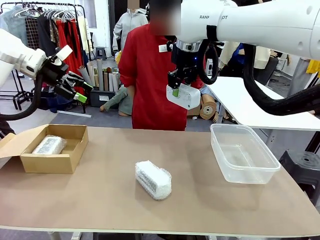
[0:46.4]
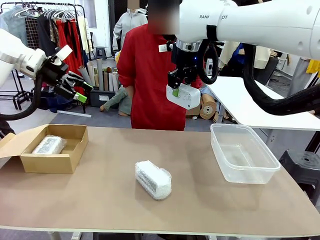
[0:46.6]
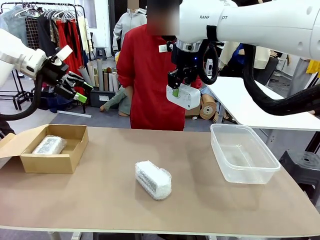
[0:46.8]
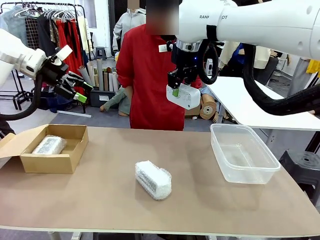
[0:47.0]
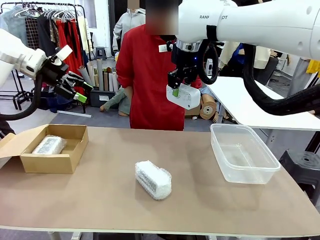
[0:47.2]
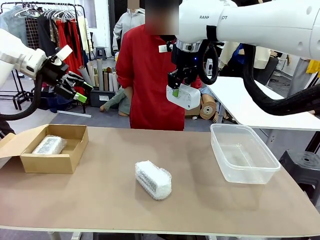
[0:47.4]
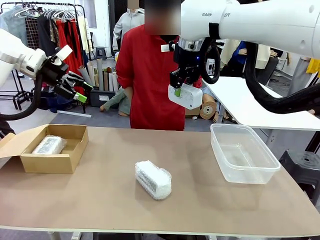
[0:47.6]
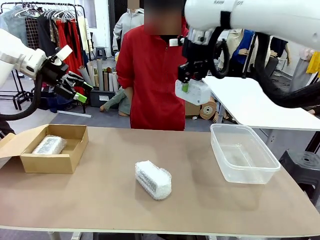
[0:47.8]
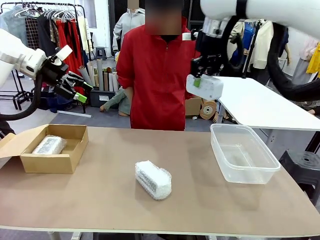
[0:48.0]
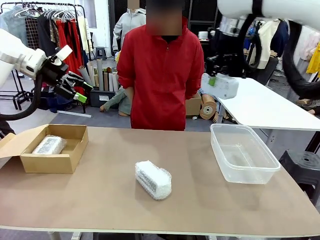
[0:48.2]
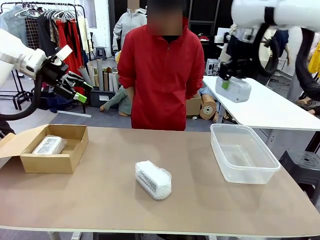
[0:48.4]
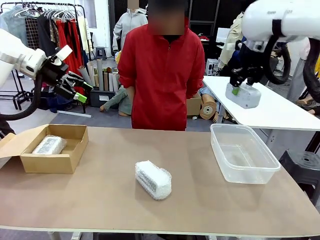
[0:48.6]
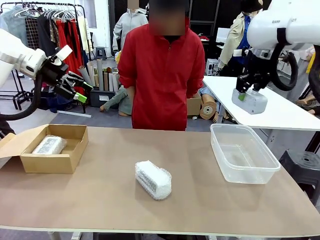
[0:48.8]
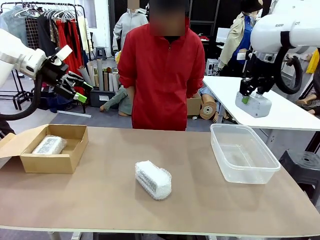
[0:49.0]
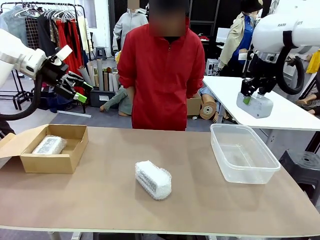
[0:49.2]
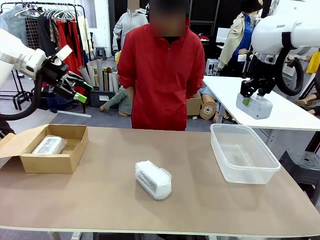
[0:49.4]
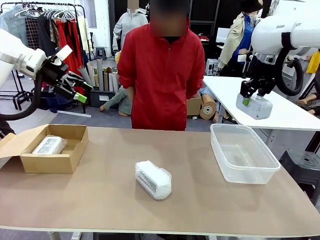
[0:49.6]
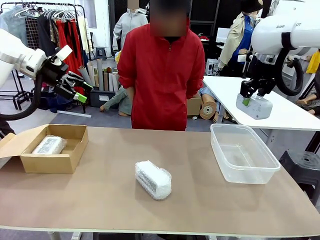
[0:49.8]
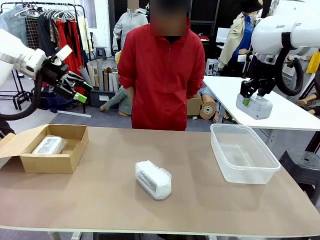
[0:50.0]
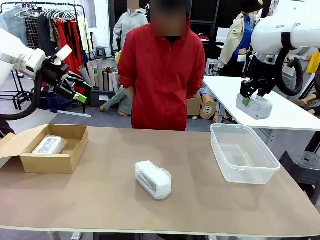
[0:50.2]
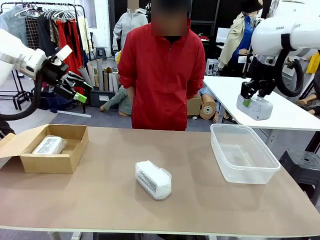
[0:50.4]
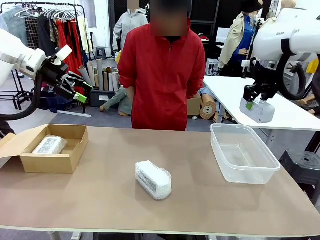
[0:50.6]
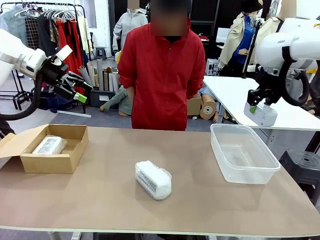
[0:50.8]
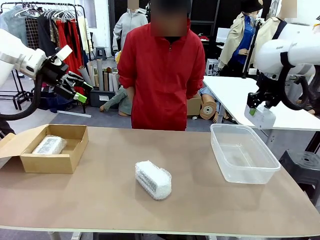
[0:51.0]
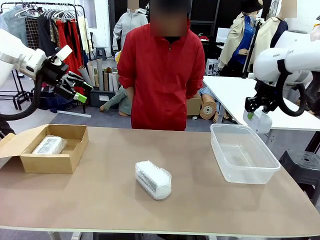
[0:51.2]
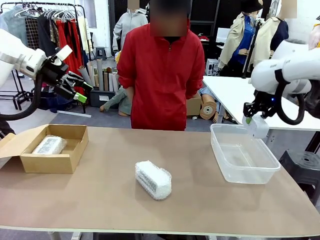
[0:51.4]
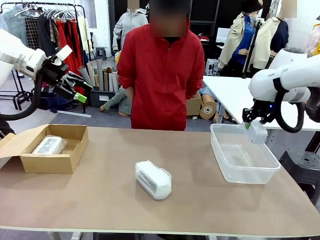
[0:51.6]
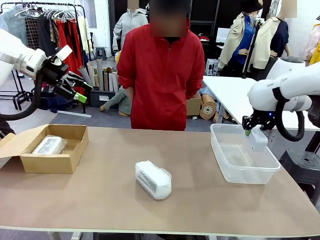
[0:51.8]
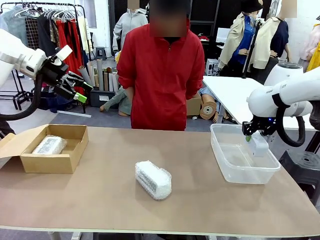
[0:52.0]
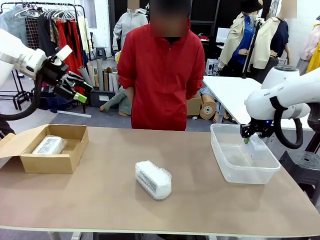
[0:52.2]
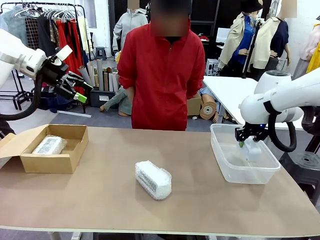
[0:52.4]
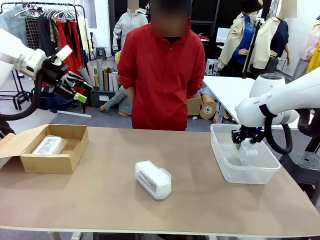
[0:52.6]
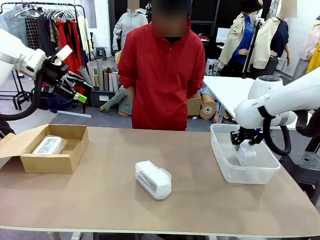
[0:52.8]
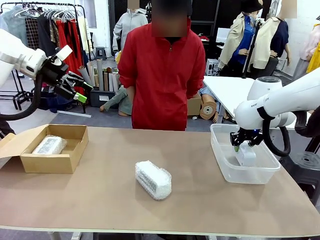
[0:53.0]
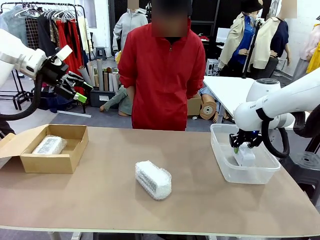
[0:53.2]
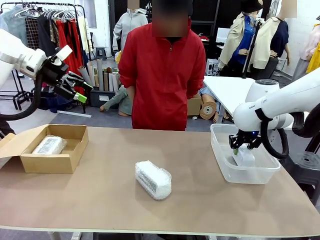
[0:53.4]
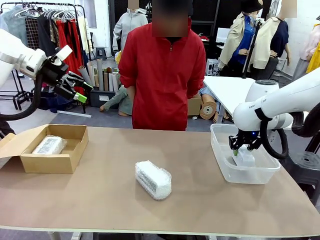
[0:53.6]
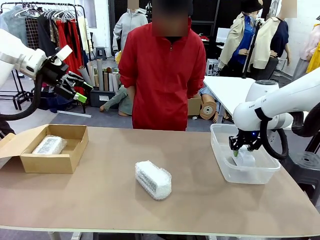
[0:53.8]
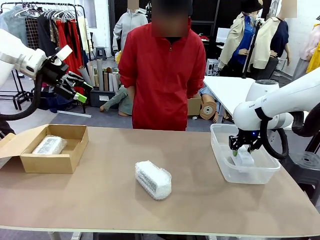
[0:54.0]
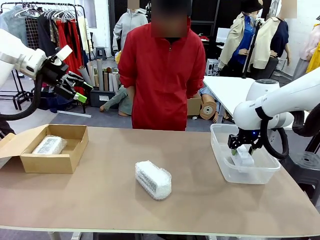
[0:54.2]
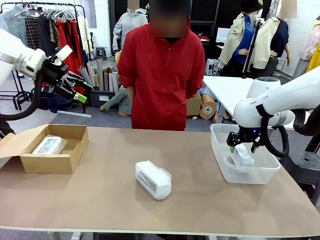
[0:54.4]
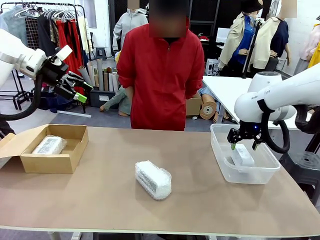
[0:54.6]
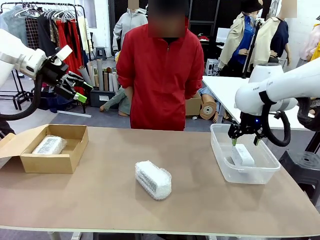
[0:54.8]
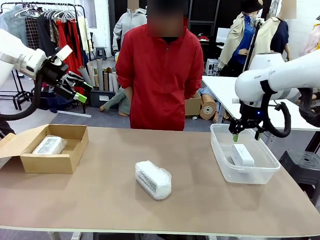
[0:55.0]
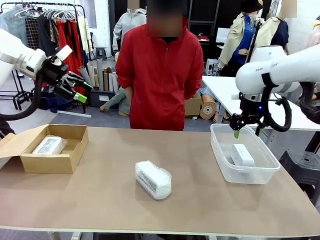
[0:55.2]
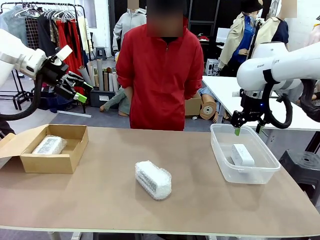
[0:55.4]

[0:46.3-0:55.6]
Task: Separate and place wrapped and unwrapped clocks.
Robot: If the picked Digital clock is wrapped, place it in the Package Box ; if not, place it in the Organizing box.

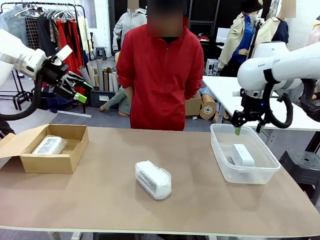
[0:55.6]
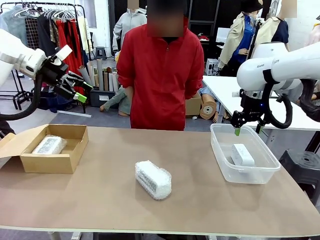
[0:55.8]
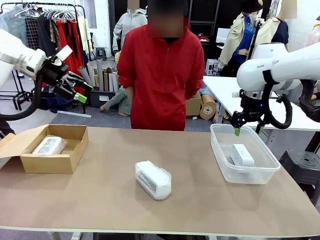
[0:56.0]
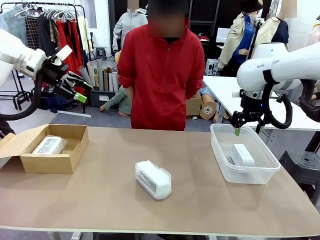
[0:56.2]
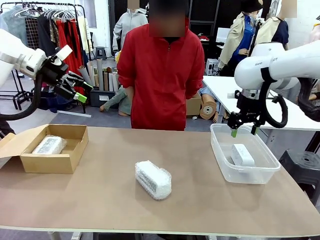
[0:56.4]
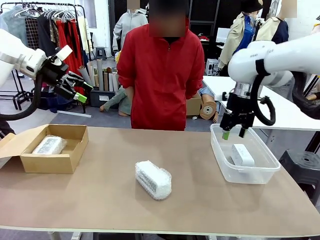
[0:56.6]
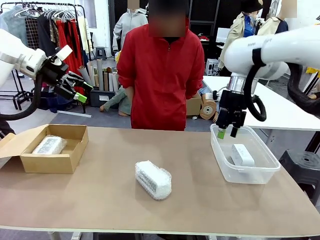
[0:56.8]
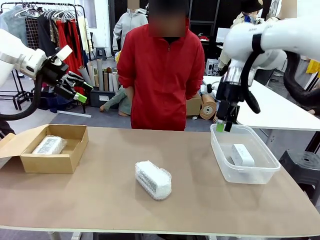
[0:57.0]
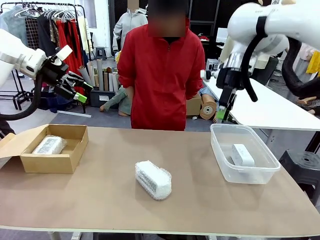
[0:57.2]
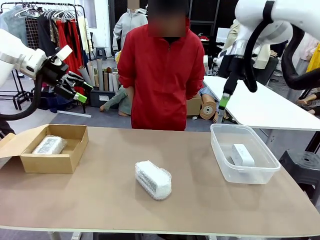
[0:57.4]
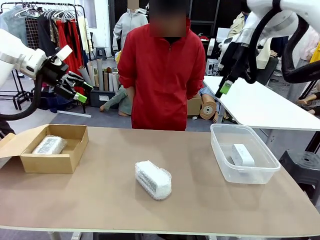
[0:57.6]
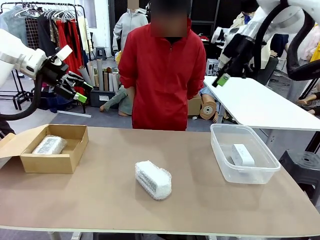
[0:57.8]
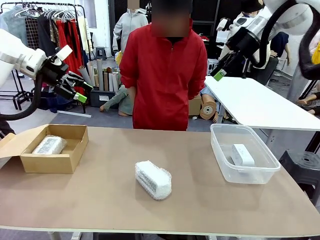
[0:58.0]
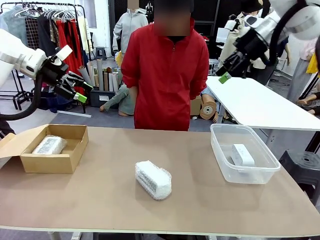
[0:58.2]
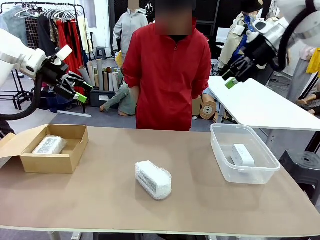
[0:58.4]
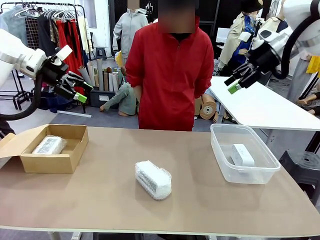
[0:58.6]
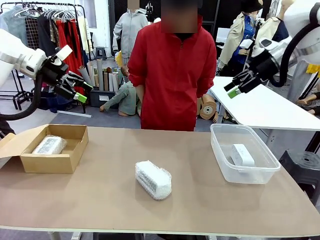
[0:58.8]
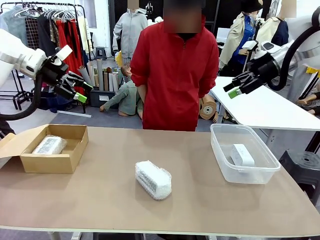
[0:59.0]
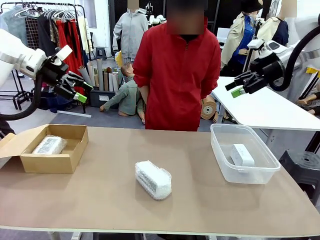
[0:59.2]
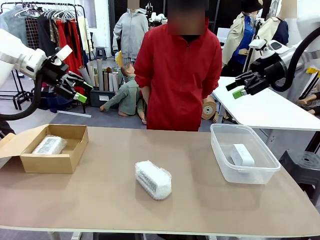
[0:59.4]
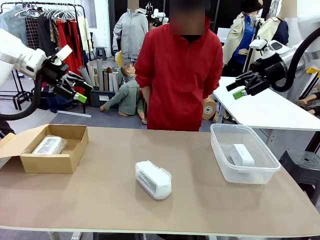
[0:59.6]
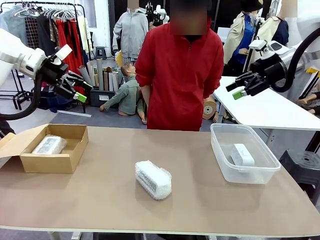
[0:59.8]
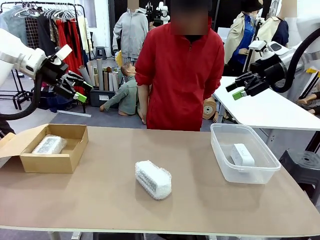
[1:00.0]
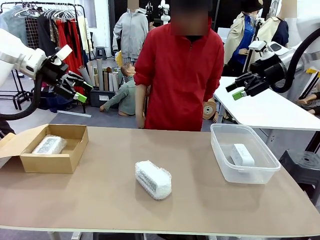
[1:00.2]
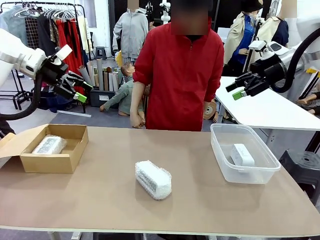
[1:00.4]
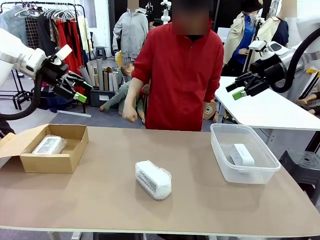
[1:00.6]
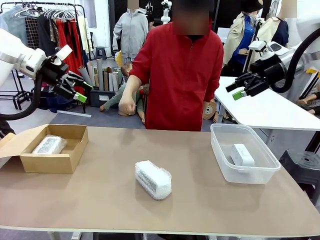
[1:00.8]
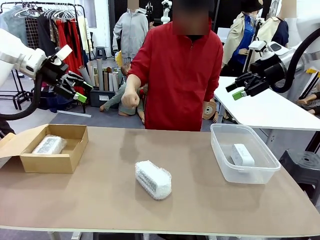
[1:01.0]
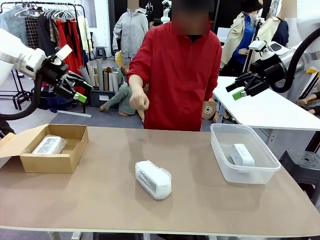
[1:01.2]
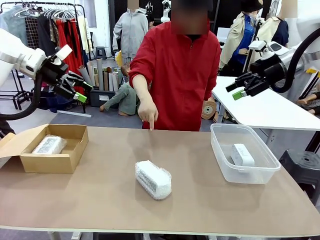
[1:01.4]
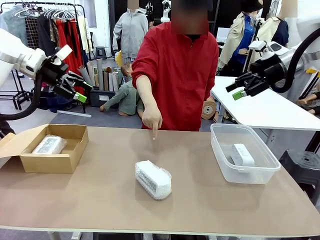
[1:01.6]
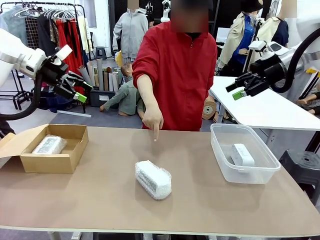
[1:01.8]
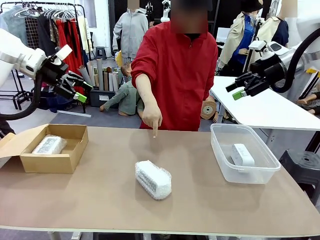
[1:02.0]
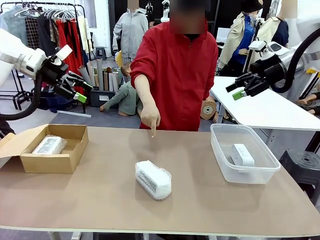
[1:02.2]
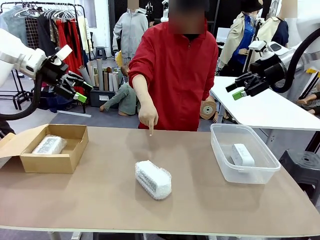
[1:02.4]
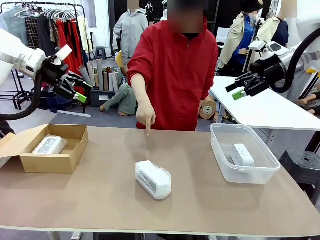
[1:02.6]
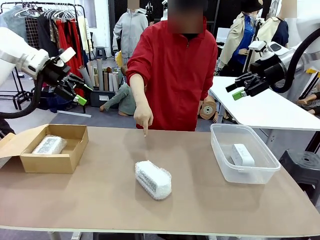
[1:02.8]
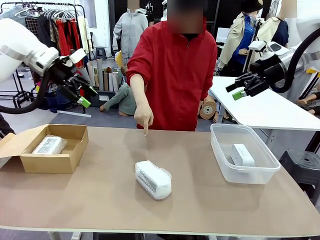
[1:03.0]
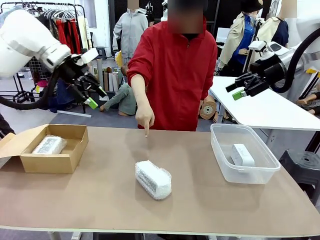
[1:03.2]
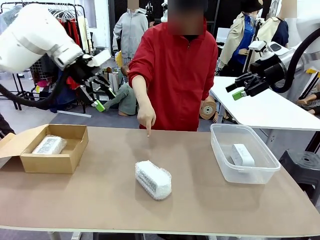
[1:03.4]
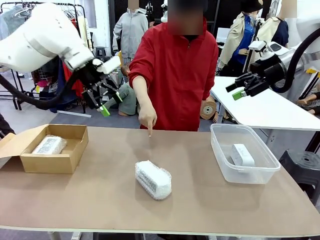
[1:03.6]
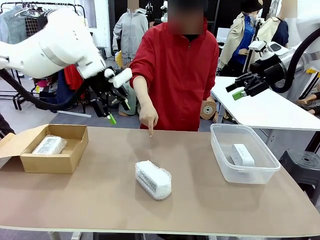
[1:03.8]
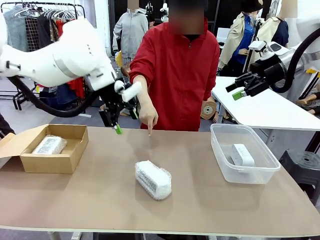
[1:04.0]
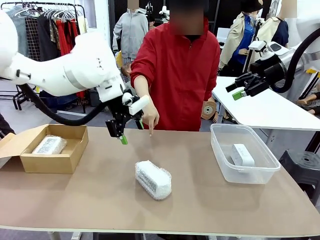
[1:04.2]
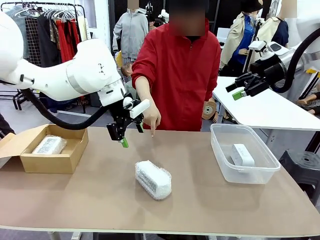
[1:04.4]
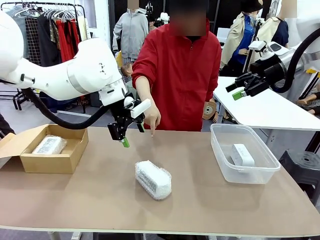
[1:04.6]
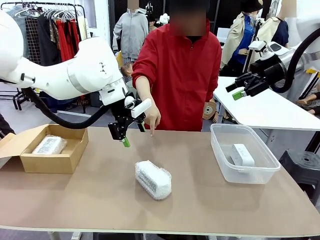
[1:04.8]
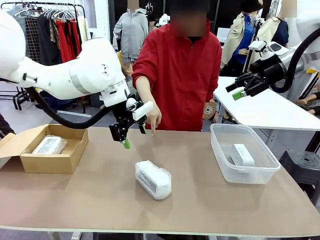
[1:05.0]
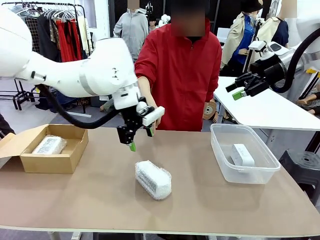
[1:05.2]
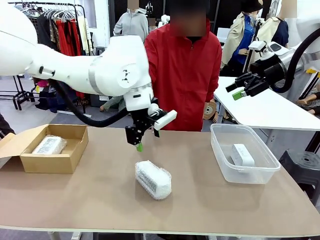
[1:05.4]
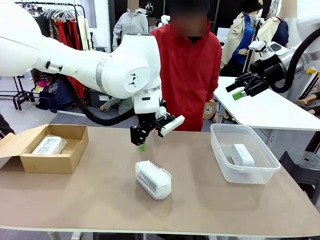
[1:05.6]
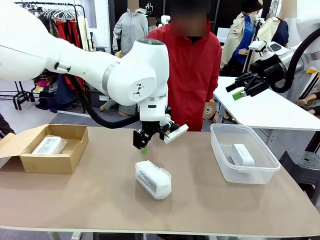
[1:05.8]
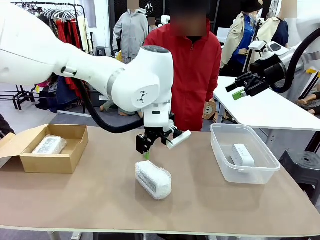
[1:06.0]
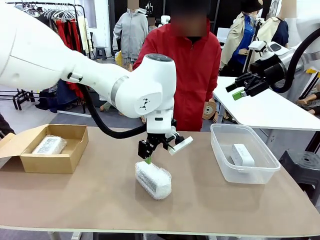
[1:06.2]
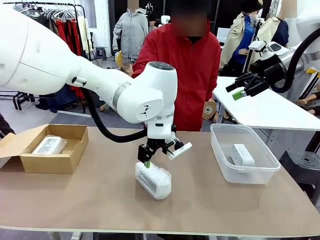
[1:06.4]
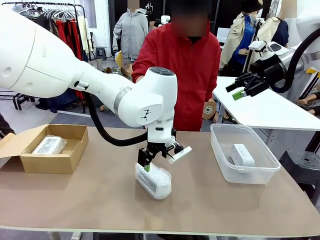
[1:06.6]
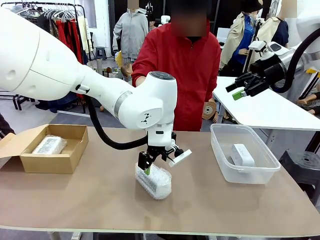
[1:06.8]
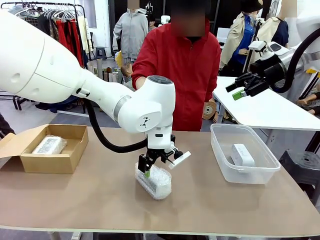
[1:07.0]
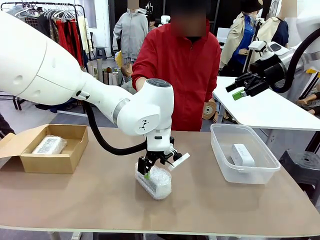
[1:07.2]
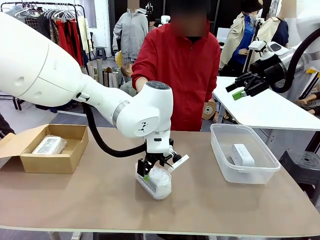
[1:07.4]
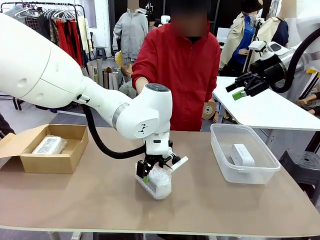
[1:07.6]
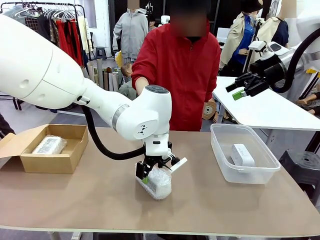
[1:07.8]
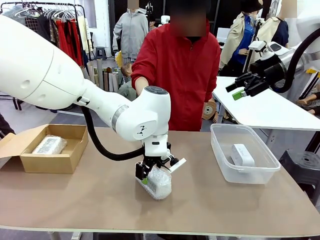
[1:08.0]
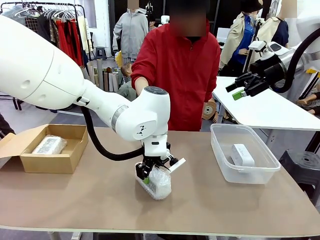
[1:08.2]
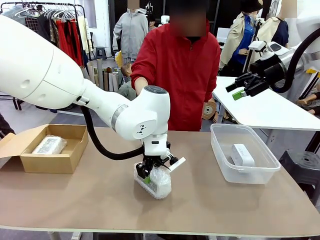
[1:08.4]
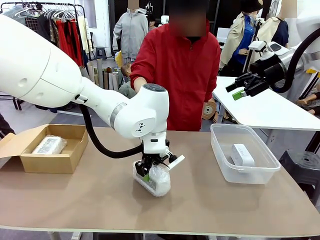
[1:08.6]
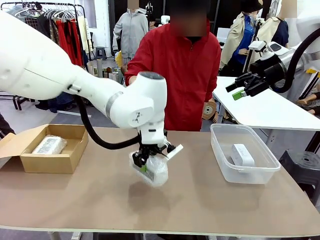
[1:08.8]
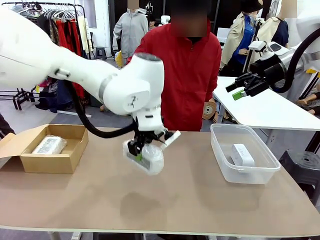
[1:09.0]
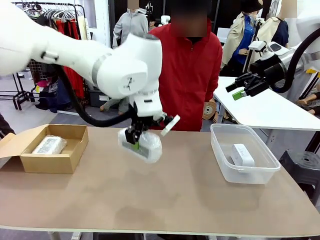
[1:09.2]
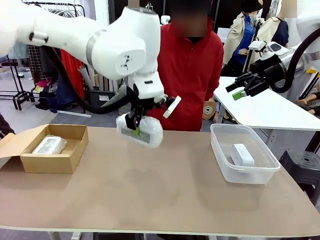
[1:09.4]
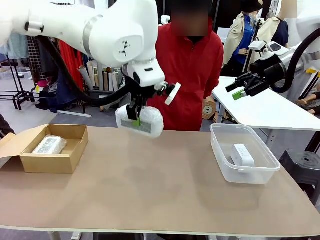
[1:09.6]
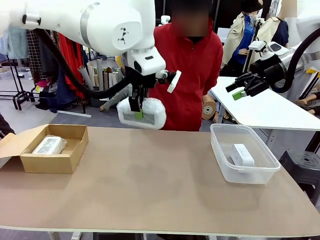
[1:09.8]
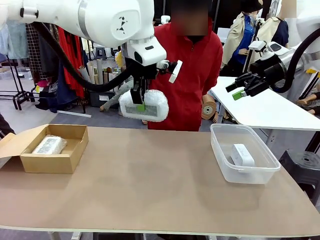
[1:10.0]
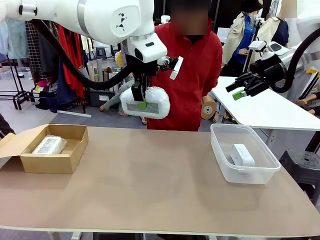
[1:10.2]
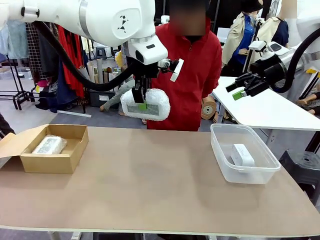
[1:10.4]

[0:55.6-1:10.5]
Robot: Pick up the Digital clock indicated by the person.
